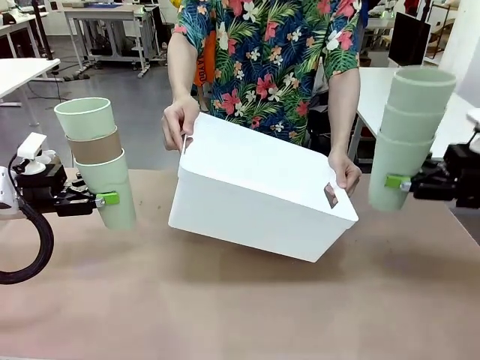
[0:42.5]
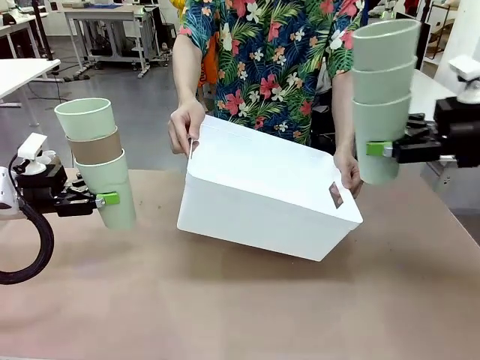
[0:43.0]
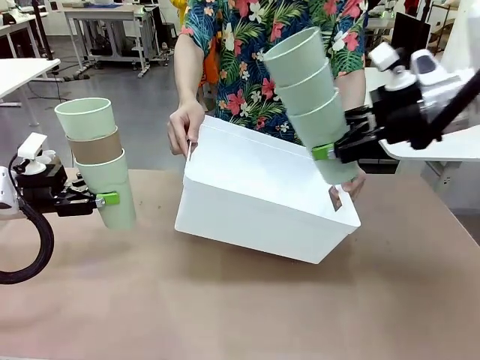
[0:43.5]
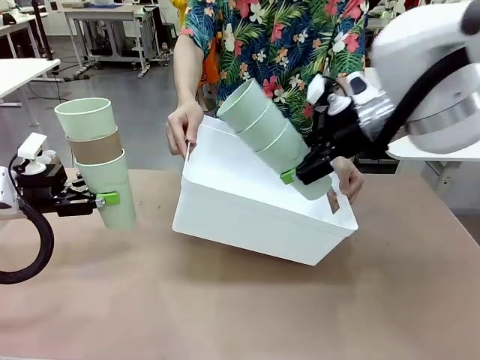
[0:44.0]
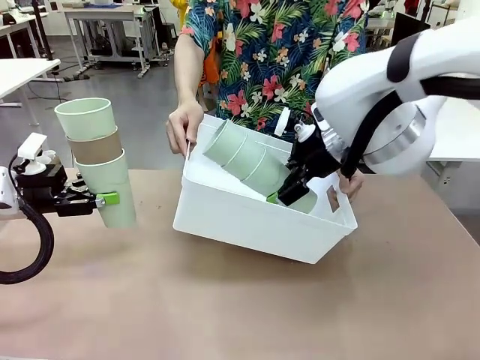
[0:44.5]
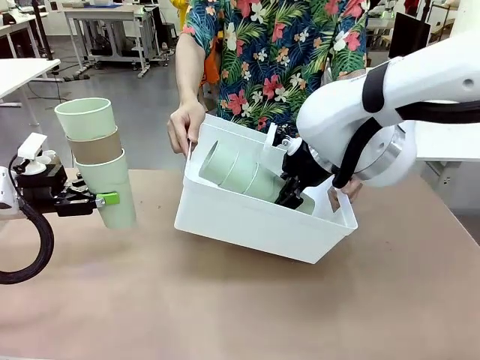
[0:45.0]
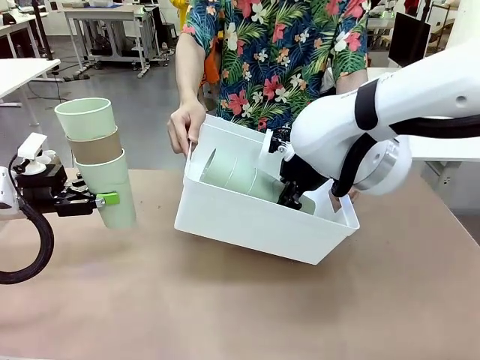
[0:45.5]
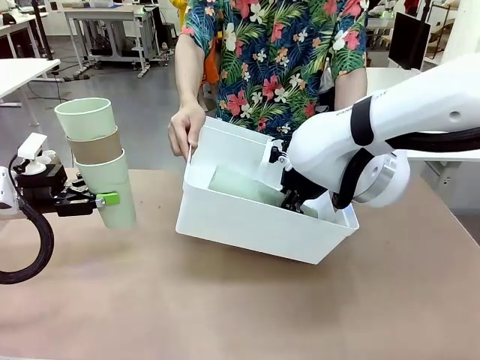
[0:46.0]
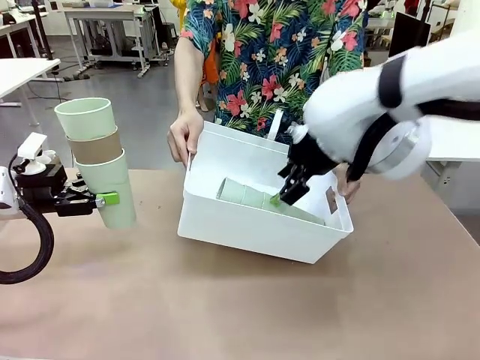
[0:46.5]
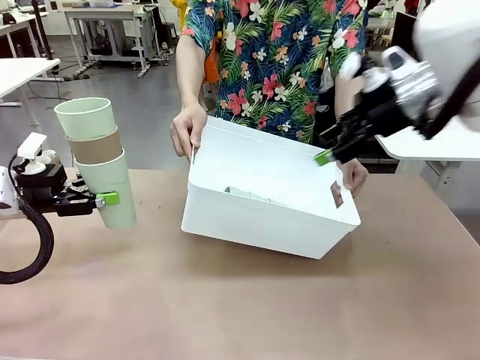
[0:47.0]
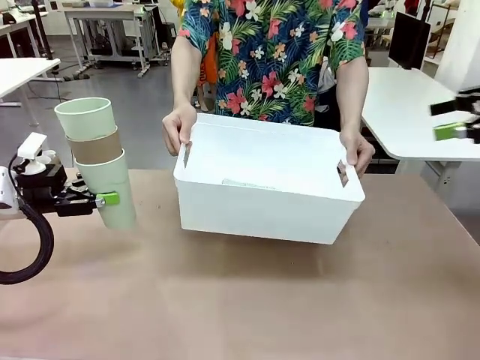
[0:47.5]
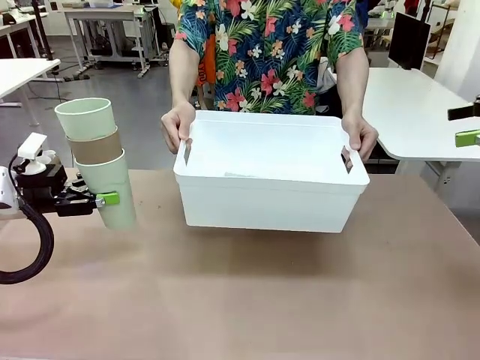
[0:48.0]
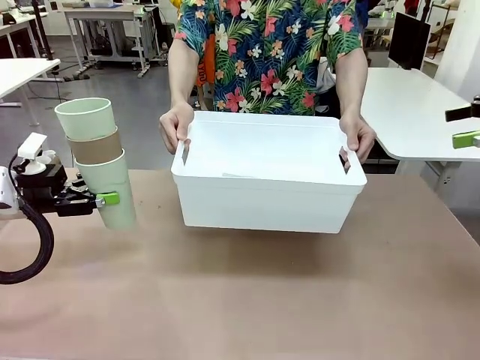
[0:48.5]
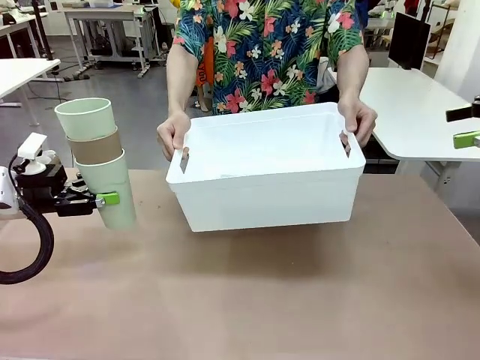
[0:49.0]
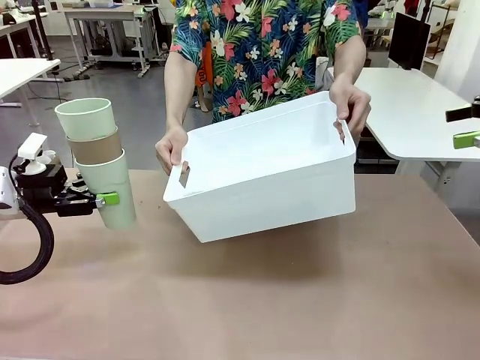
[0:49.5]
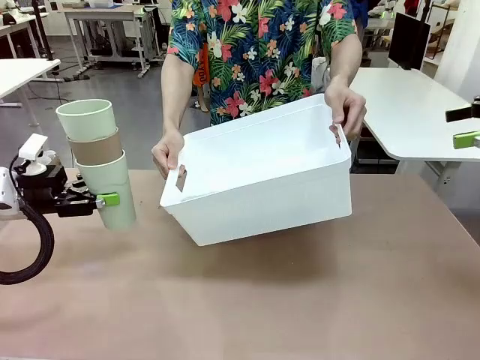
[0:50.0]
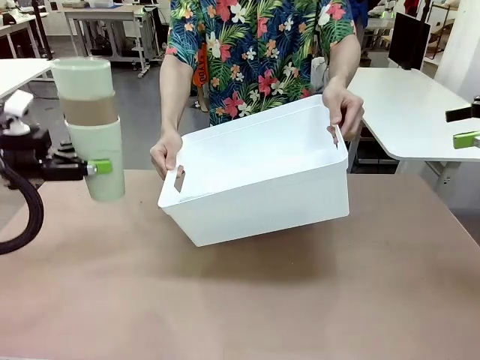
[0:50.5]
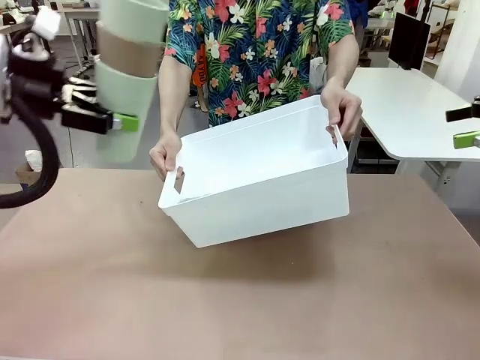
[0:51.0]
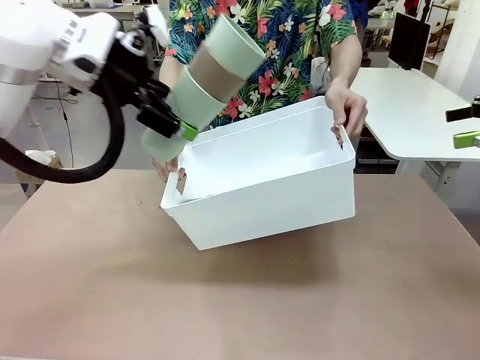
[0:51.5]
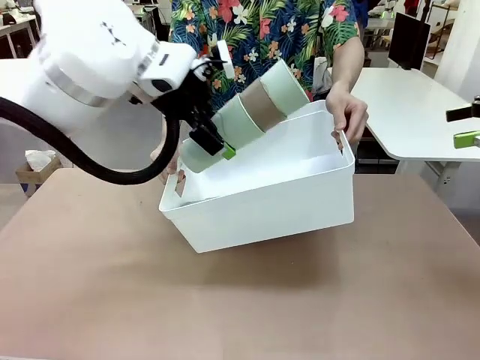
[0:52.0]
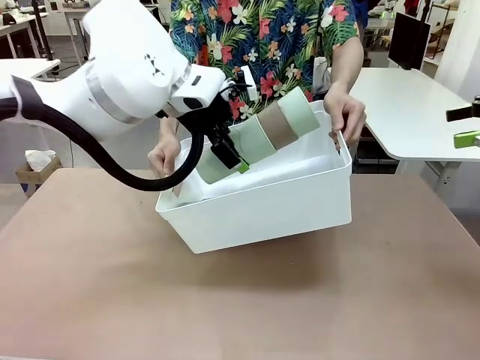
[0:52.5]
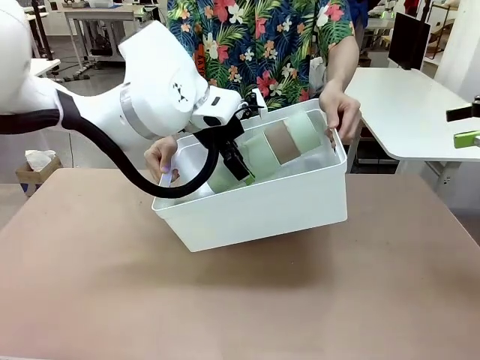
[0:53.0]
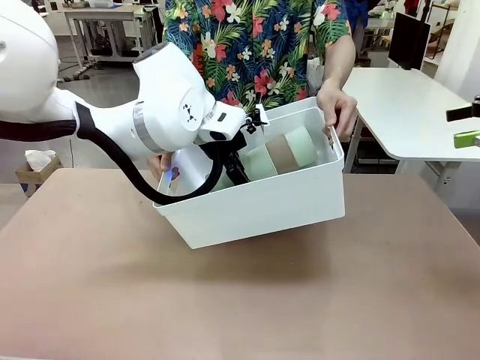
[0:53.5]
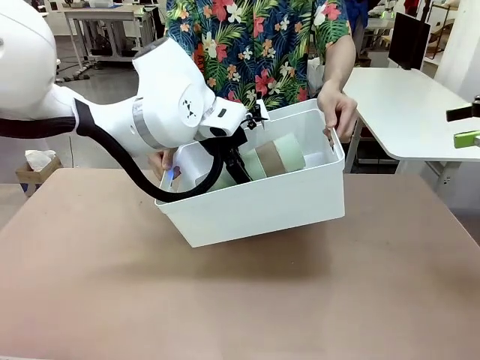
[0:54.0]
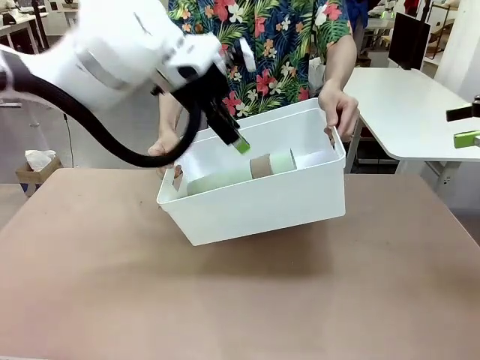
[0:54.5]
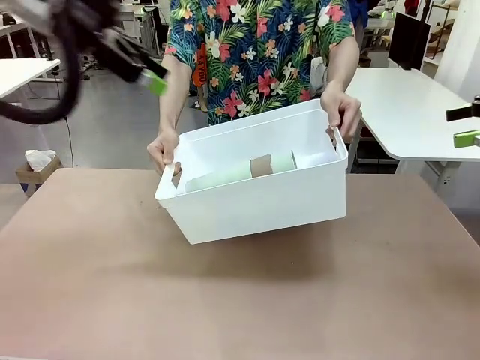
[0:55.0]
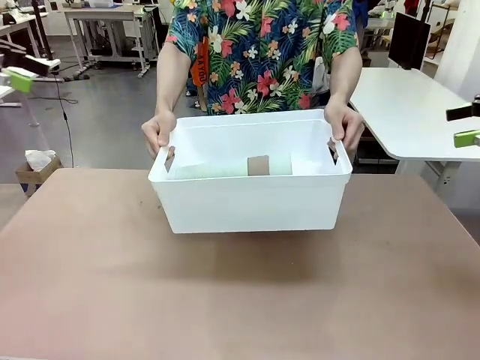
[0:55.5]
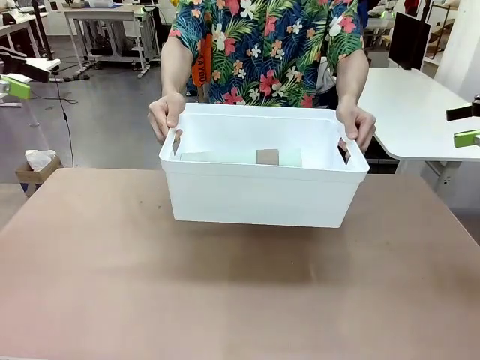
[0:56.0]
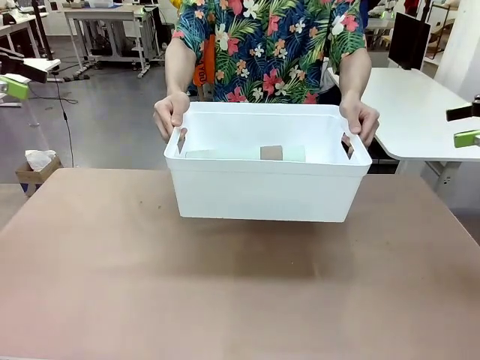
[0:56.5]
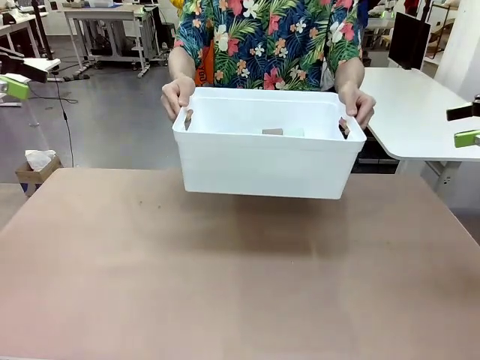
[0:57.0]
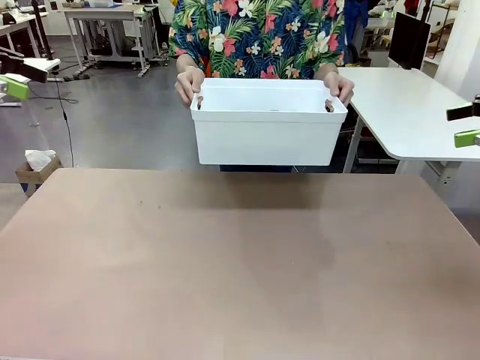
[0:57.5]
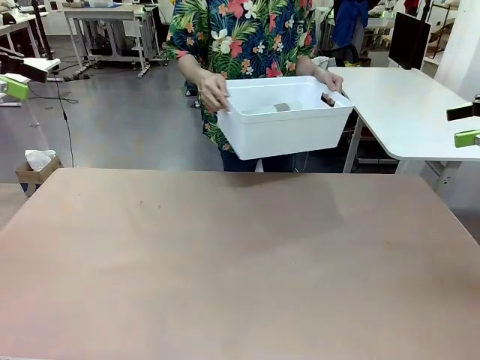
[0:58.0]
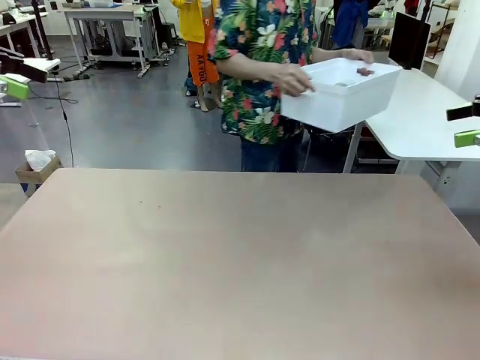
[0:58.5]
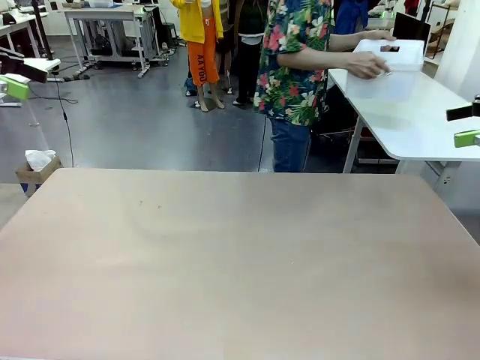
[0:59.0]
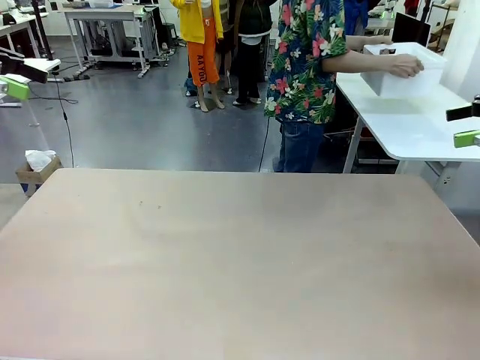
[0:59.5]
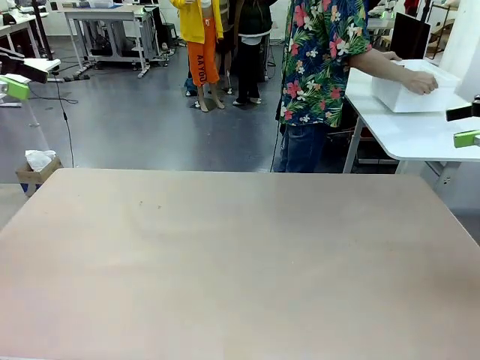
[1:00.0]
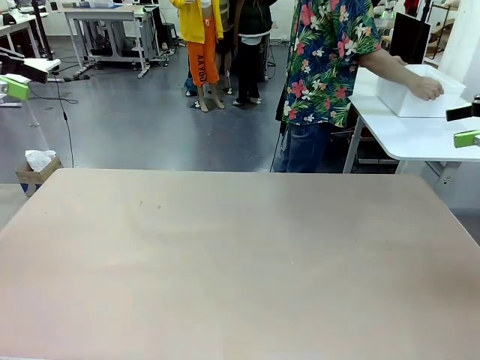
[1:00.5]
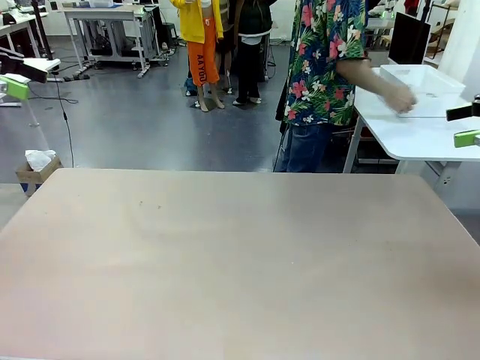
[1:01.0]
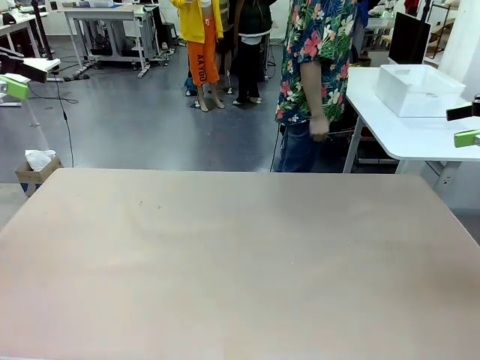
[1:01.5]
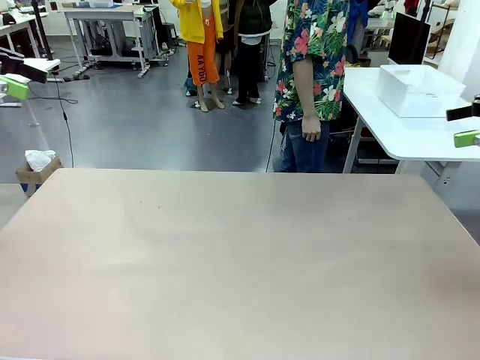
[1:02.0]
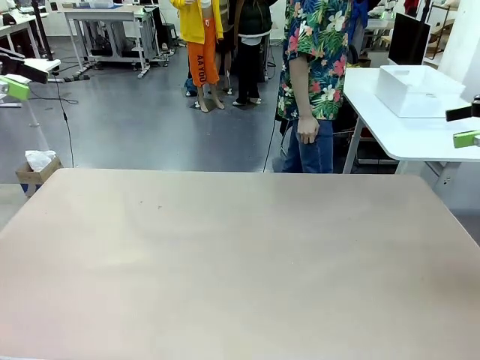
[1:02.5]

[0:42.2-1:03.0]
Task: Stack the cups and store them in the basket.
Robot: Place the stack of Reusable plastic cups into the Pantry Basket.
Person: Place the basket containing the cups in the middle of the Human Table.

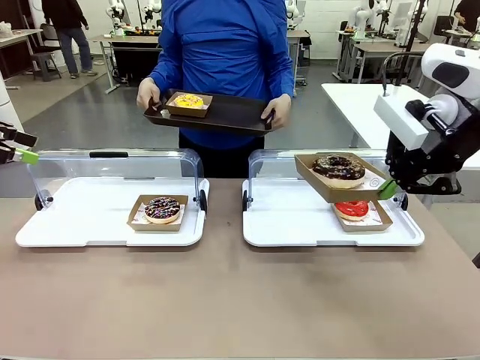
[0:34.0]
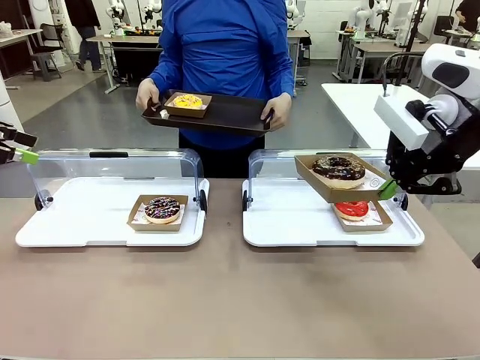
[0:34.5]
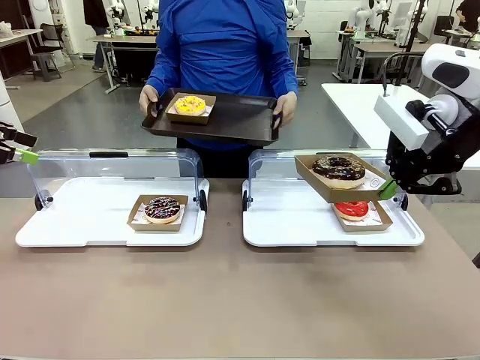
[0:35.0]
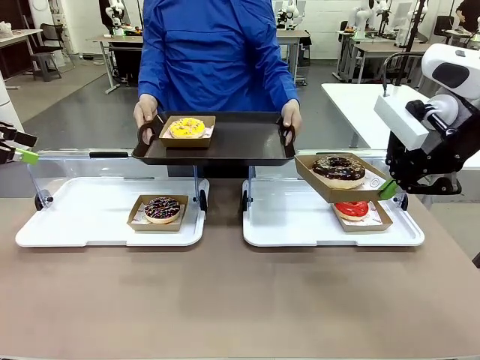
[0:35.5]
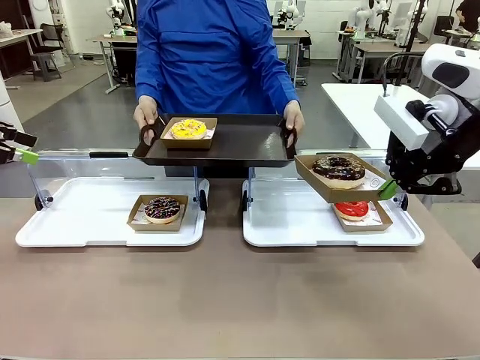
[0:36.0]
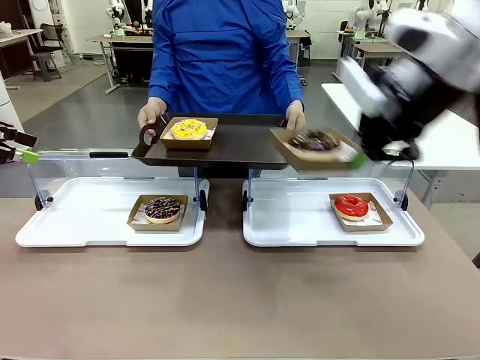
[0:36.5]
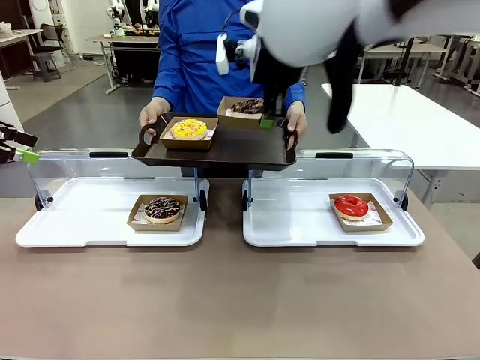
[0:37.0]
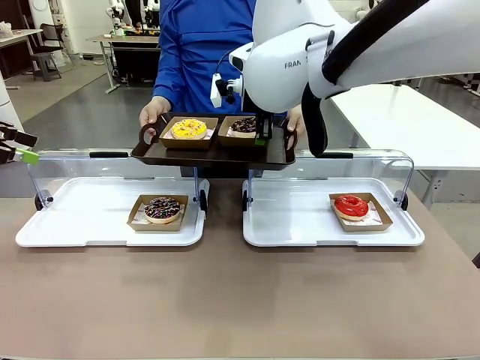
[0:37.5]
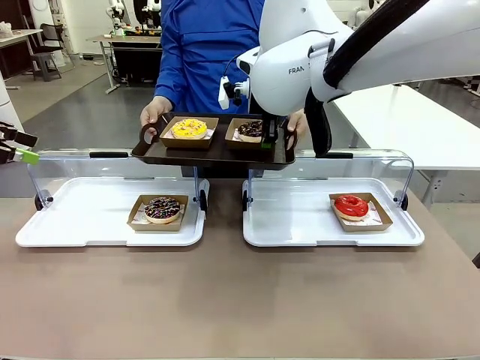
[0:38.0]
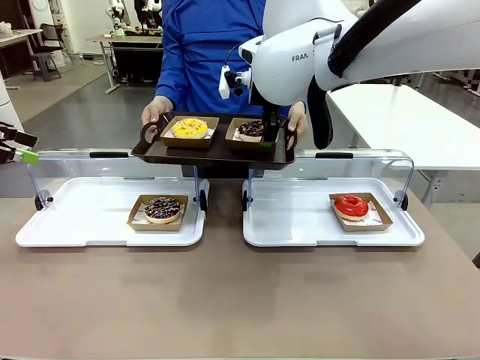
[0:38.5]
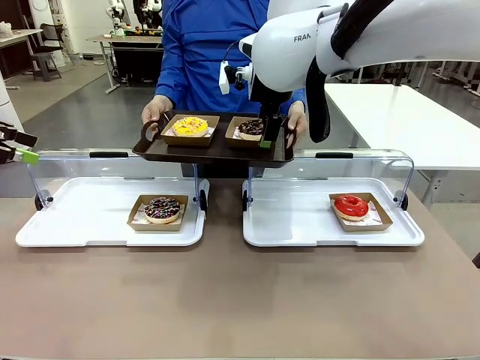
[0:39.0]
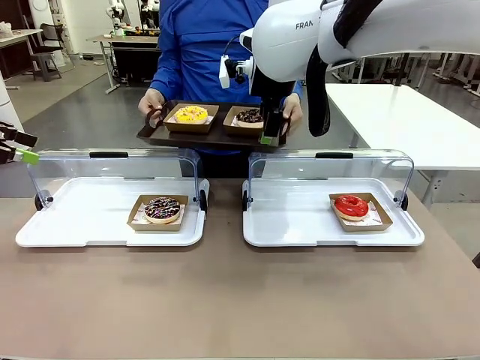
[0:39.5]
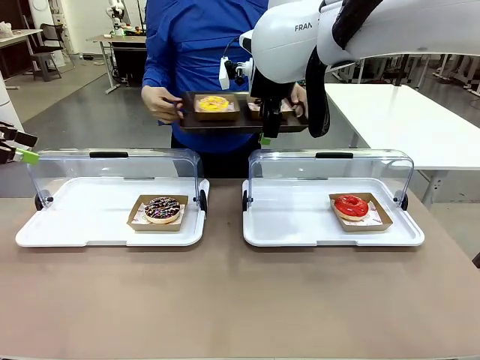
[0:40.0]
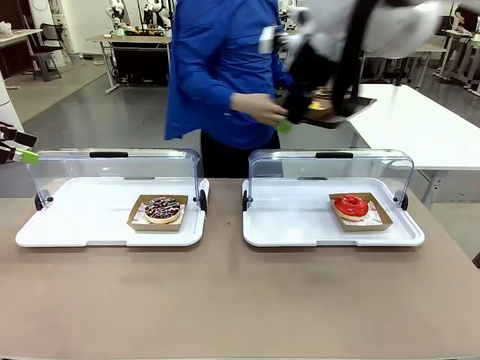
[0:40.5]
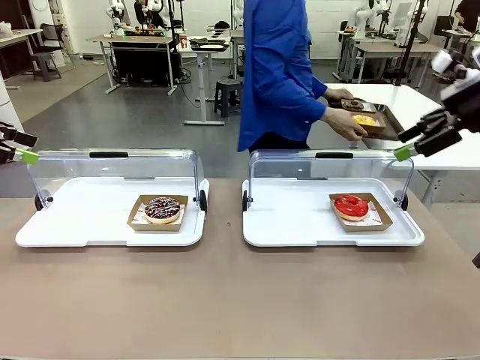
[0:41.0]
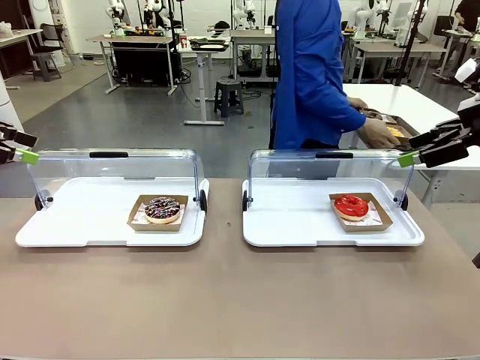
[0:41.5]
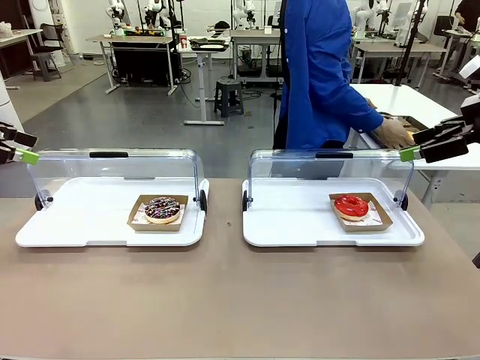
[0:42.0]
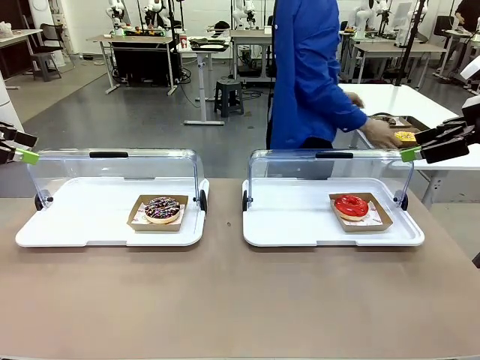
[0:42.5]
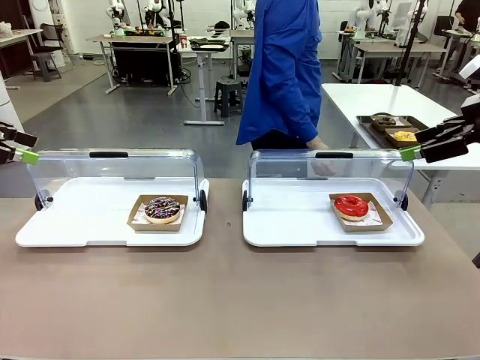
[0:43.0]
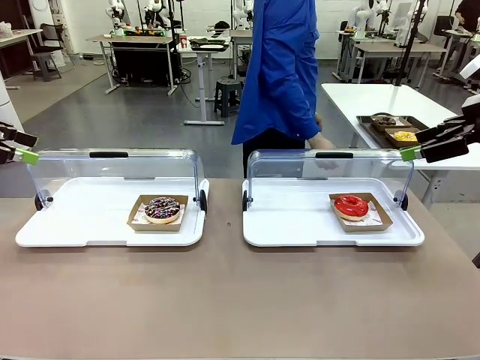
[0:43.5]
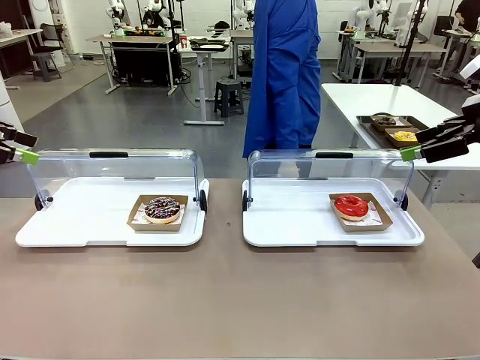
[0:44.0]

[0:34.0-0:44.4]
Task: Provide the desired donut to the person.
Robot: Place the picked Paper togo box onto the Handle tray extended by the person.
Person: Place the tray in the middle of the human table.
